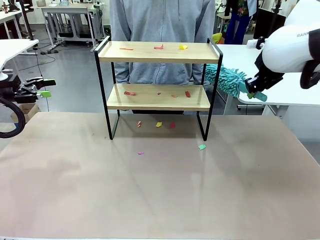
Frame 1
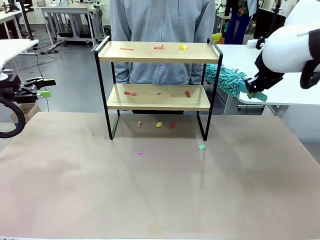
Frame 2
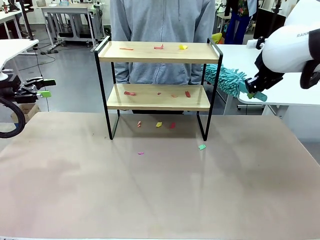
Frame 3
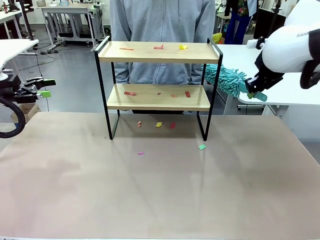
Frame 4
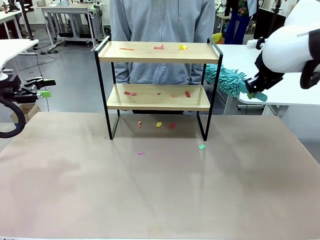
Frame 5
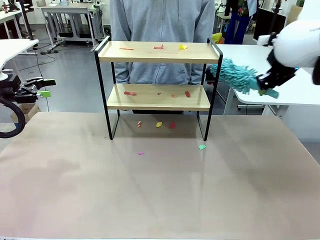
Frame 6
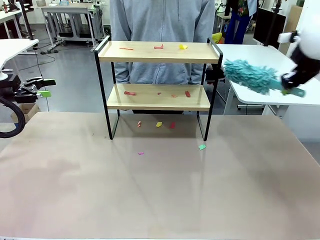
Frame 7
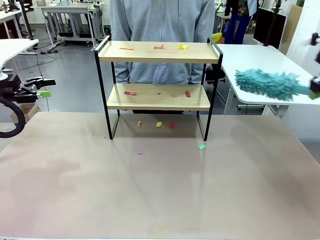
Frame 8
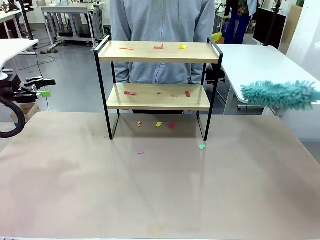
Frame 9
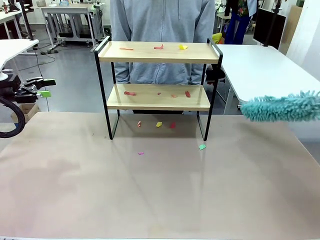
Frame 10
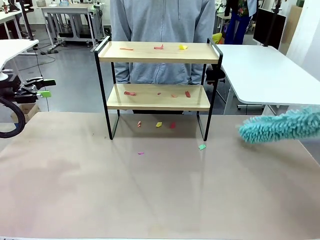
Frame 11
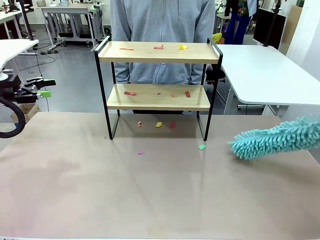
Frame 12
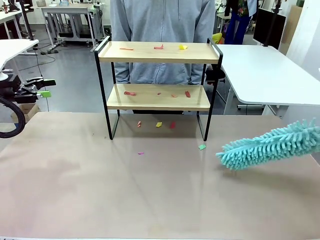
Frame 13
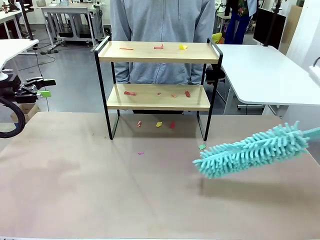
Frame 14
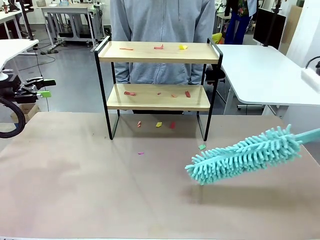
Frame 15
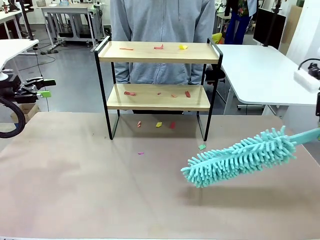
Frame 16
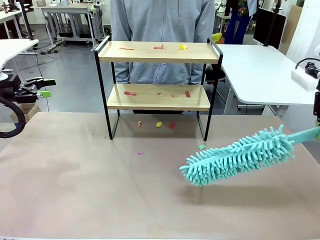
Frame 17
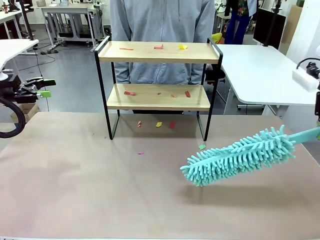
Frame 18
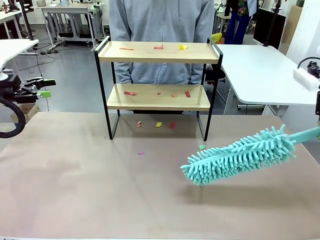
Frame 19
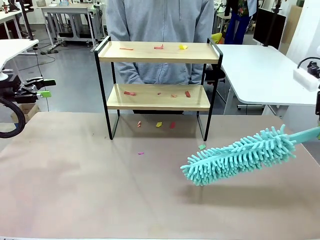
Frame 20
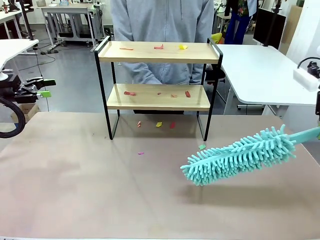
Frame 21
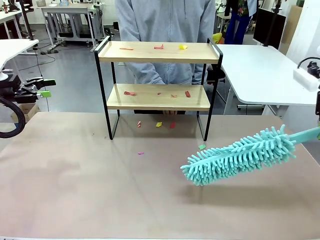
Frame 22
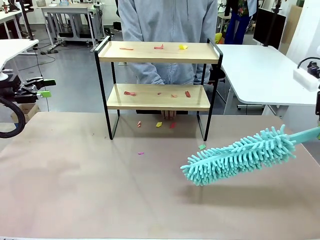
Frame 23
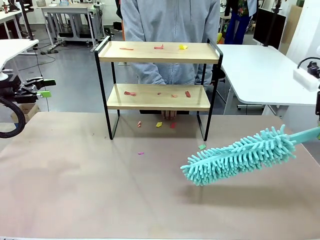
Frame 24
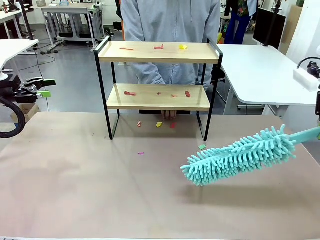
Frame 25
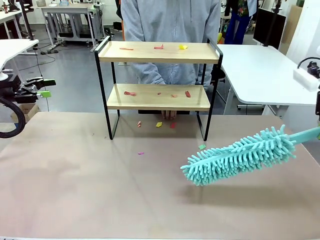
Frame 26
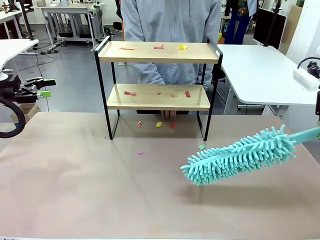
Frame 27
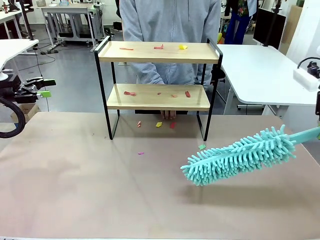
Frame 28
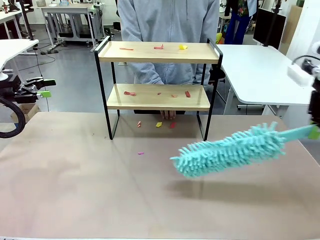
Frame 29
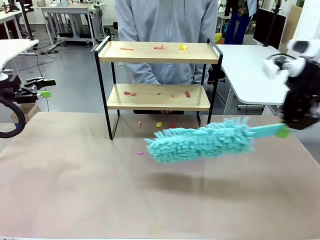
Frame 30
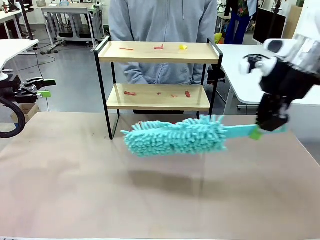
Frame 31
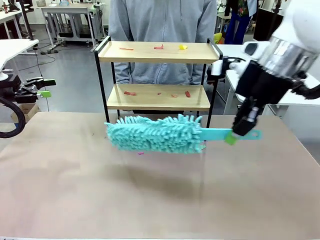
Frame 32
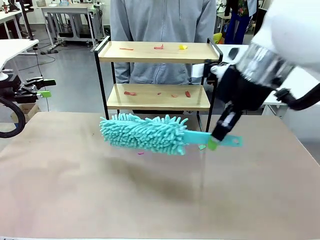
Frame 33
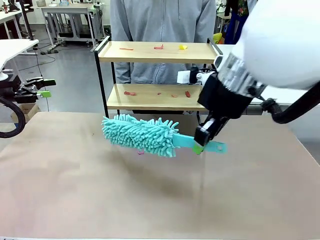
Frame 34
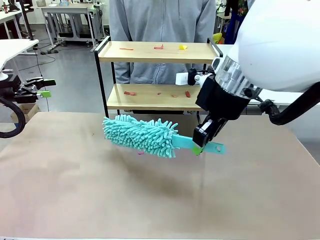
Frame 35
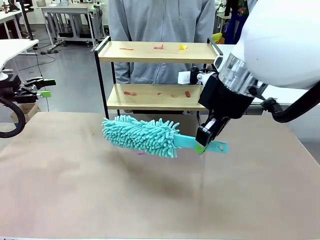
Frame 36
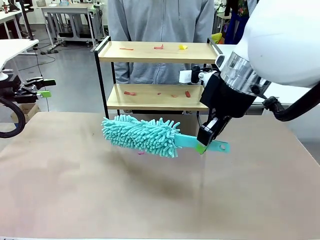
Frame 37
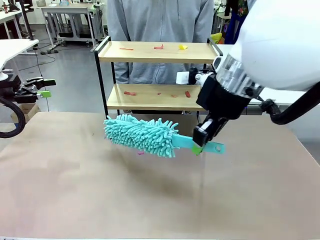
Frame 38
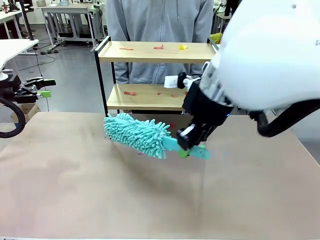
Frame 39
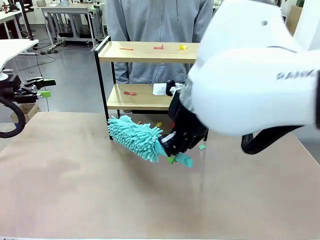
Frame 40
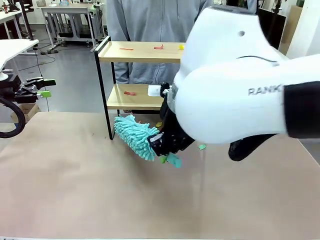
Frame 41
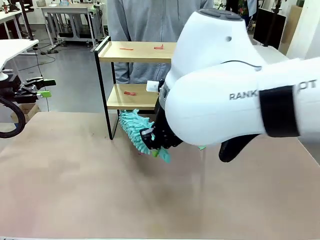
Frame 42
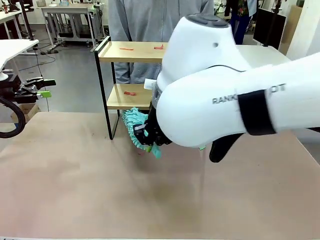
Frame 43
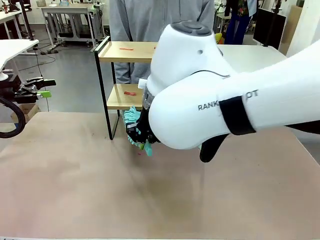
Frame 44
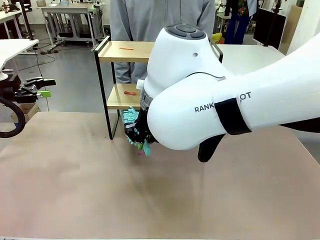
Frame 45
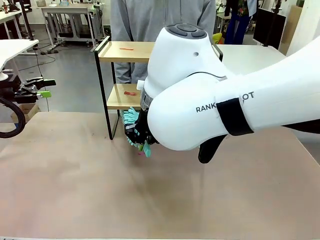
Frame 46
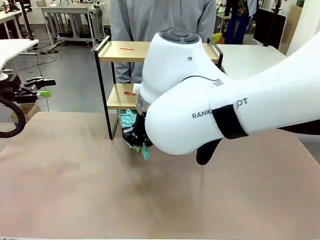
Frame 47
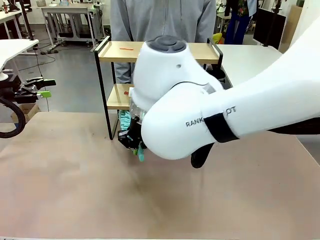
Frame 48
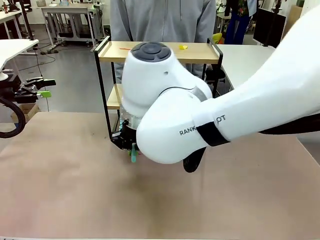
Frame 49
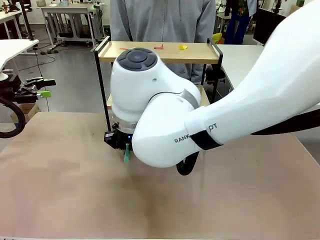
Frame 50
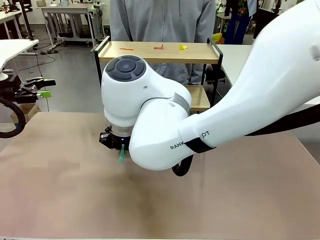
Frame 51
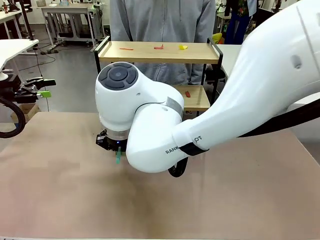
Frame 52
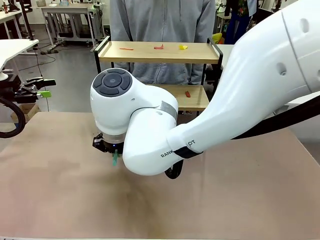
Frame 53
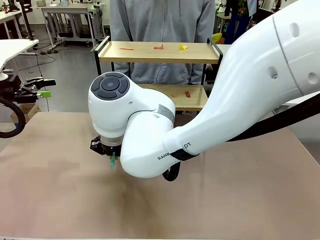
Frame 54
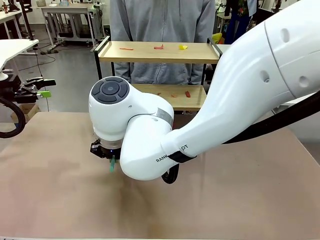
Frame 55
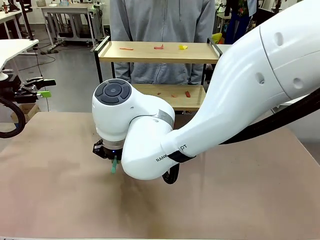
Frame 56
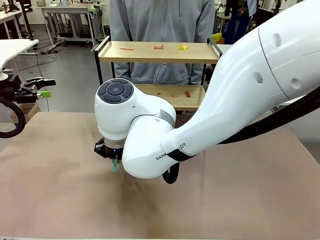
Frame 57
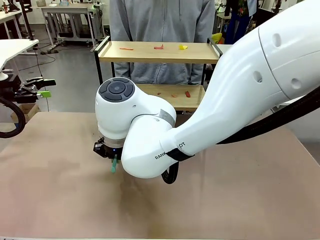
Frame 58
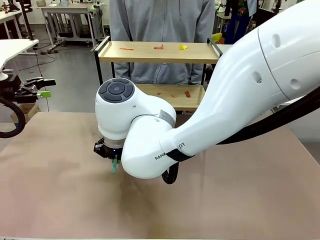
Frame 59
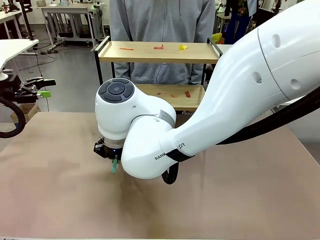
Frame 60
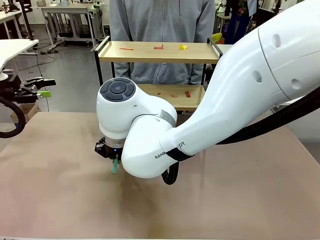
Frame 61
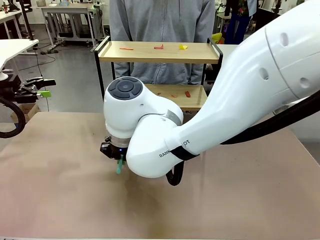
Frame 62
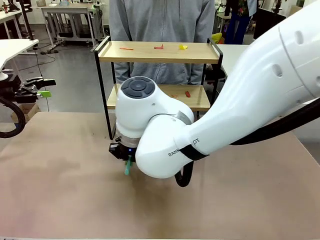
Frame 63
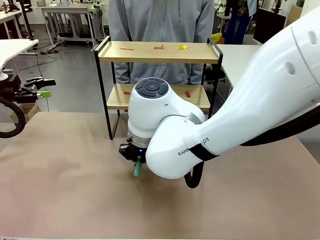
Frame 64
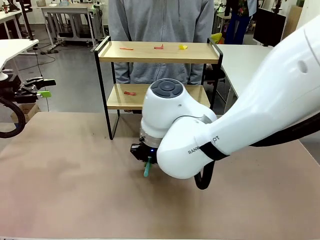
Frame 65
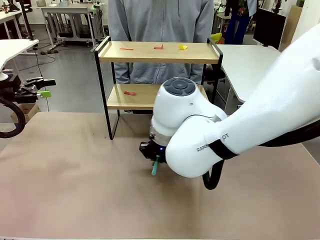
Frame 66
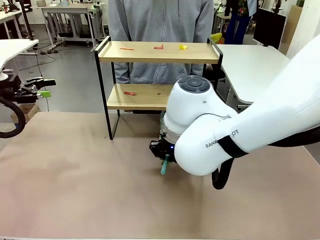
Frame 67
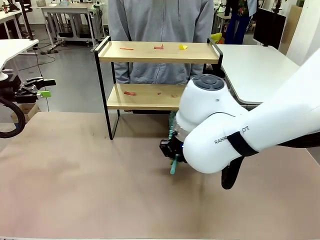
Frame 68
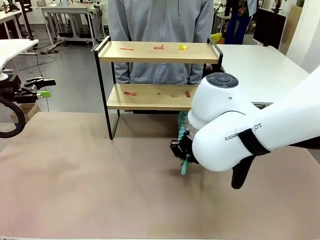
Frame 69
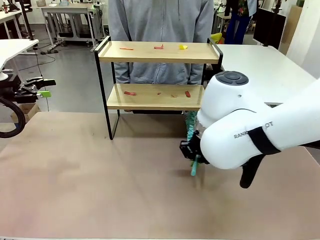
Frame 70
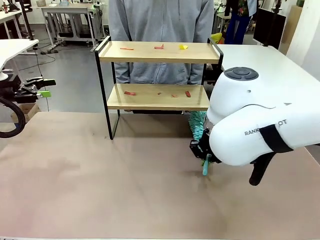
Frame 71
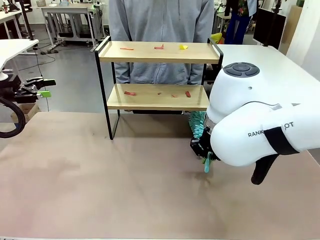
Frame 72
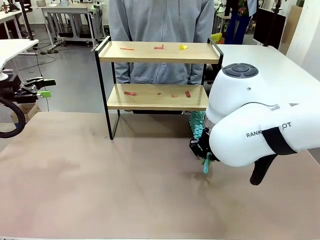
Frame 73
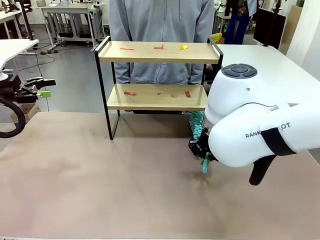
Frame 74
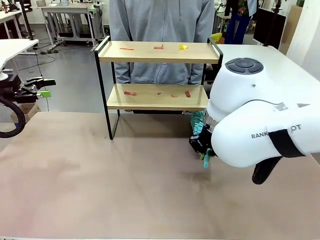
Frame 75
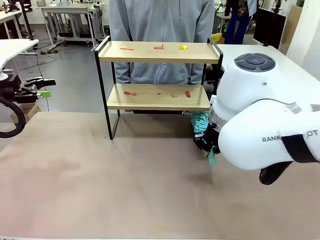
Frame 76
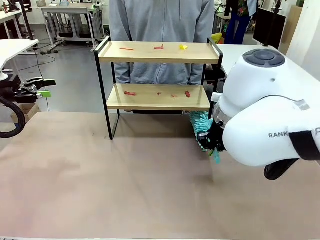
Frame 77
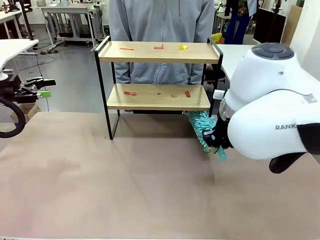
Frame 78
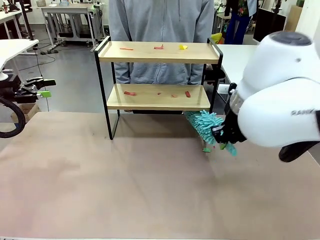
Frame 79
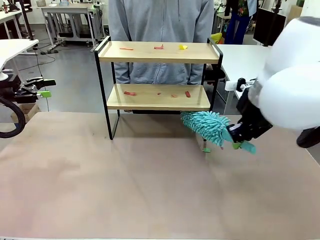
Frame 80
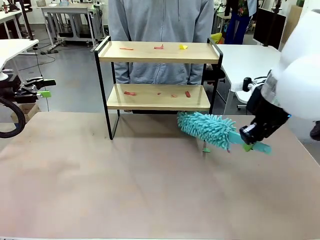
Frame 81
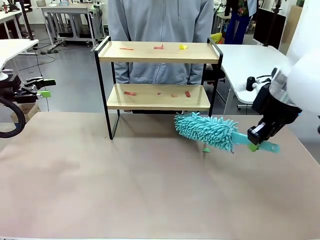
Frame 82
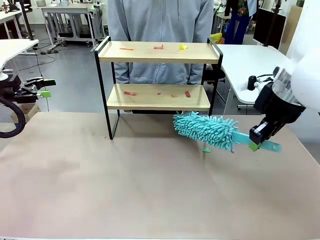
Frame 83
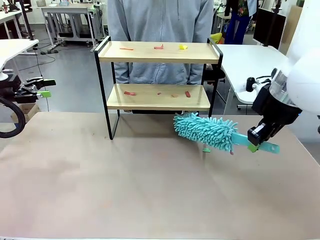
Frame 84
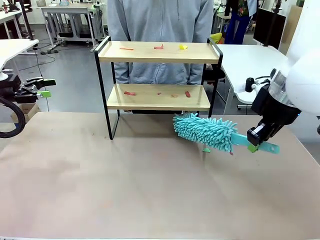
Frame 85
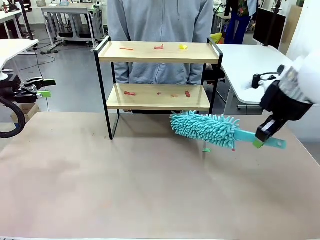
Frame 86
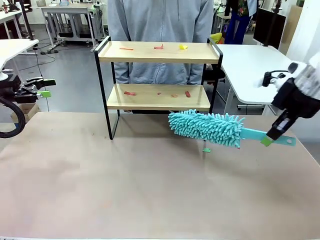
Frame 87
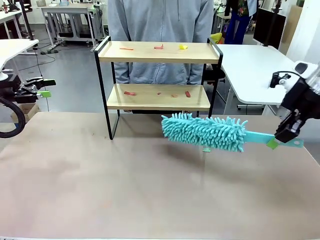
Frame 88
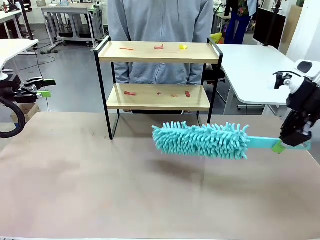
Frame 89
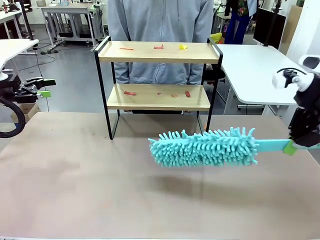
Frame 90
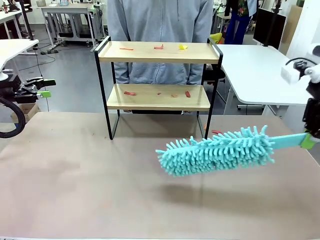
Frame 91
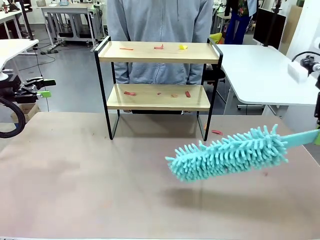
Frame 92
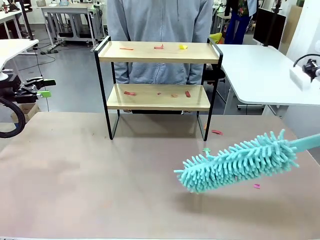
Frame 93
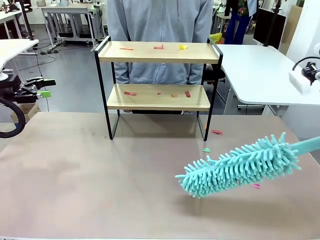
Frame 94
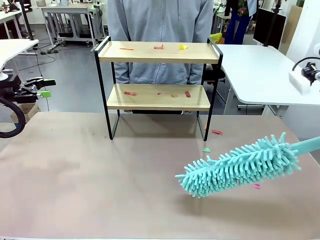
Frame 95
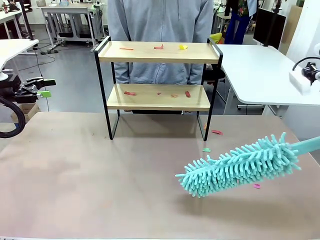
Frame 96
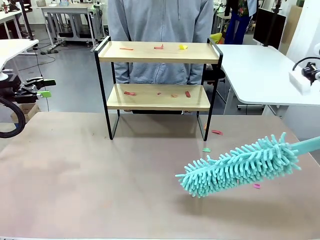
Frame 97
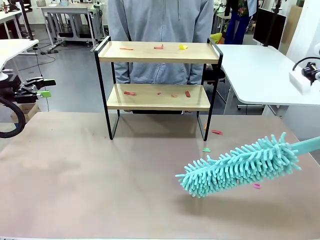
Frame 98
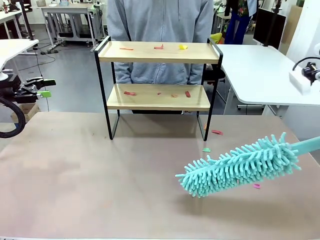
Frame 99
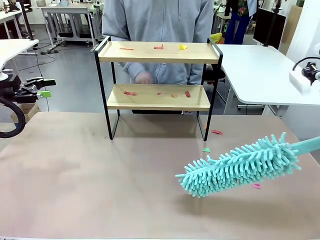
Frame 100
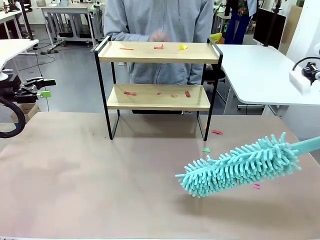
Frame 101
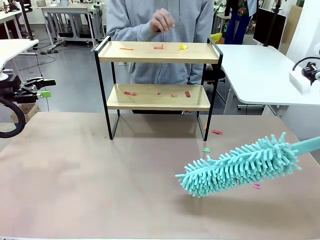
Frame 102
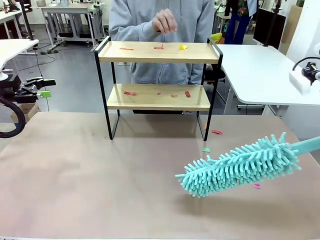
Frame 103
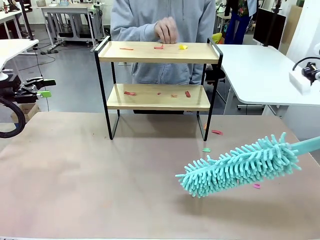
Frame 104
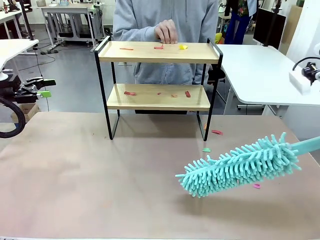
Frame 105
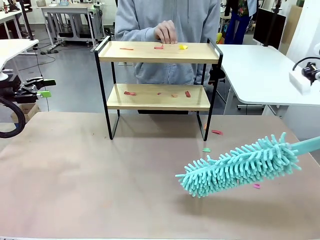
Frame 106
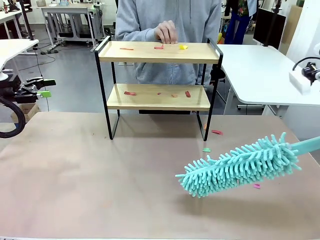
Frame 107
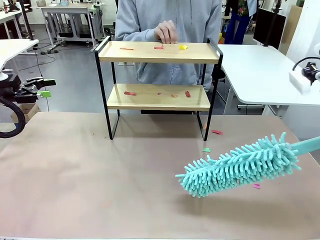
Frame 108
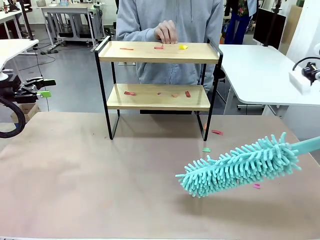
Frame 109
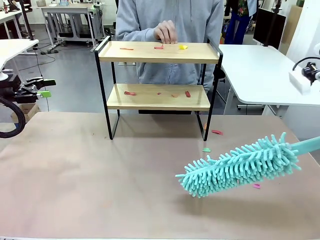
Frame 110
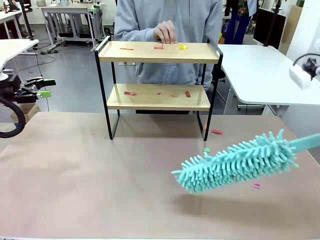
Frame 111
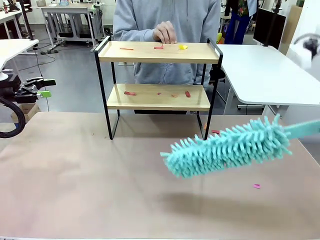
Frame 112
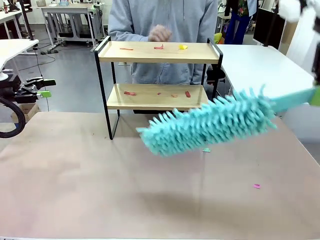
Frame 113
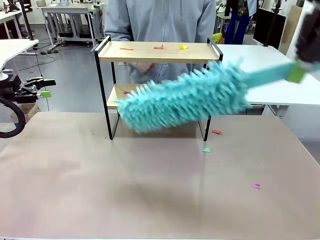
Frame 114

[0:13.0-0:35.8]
Task: Clean the shelf.
Robot: Clean the specific section of the Shelf indicated by the human with the Duster.
Person: Point a random section of the Shelf.
